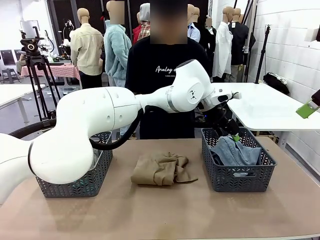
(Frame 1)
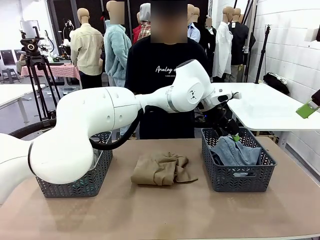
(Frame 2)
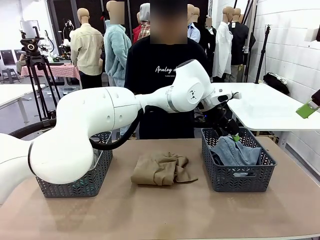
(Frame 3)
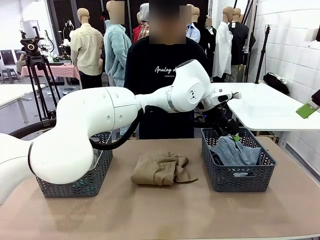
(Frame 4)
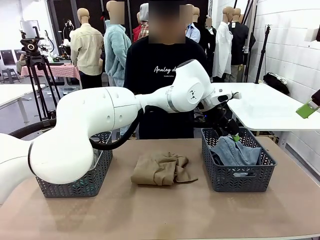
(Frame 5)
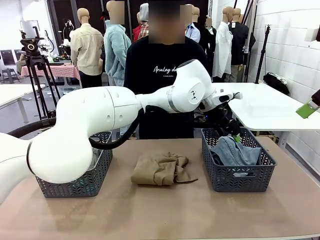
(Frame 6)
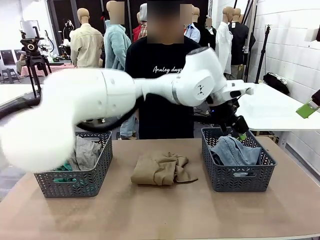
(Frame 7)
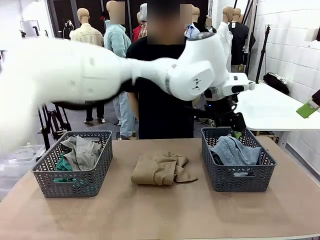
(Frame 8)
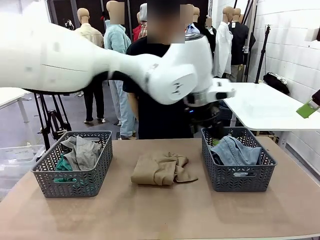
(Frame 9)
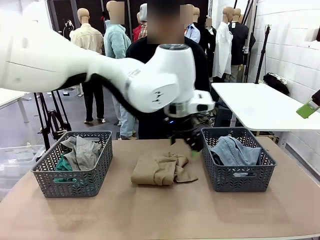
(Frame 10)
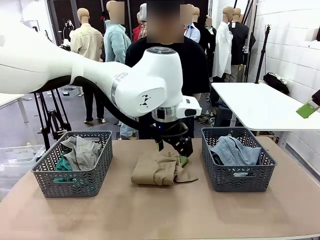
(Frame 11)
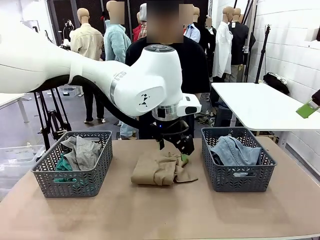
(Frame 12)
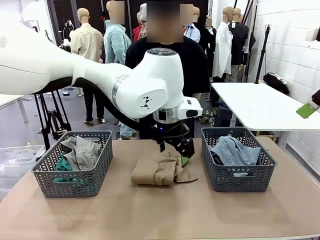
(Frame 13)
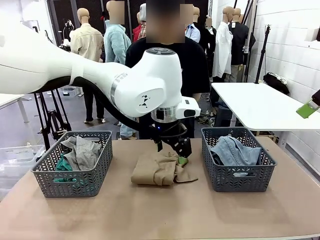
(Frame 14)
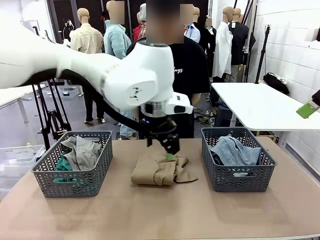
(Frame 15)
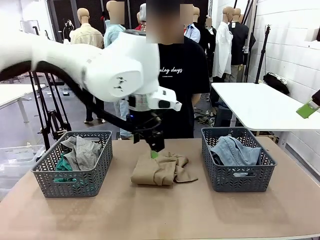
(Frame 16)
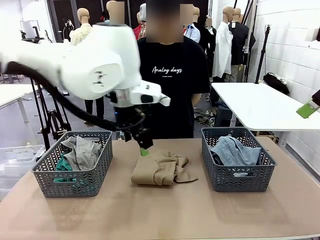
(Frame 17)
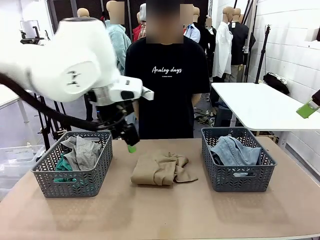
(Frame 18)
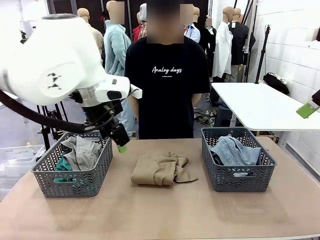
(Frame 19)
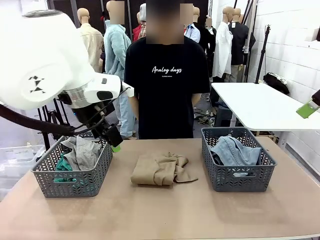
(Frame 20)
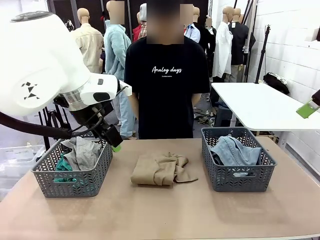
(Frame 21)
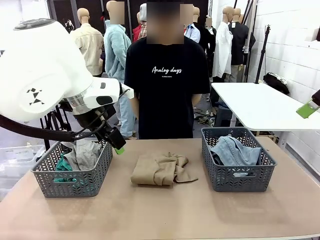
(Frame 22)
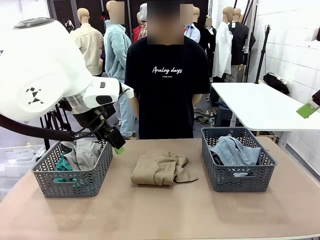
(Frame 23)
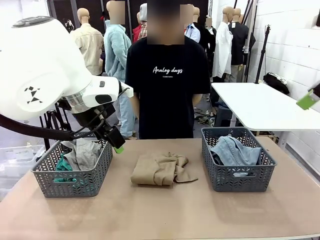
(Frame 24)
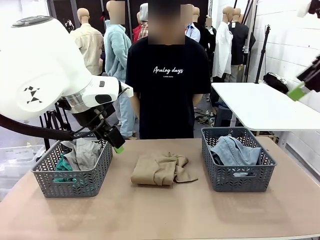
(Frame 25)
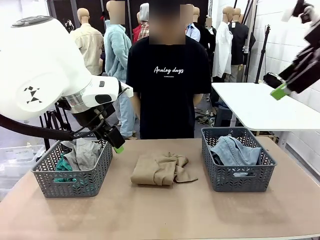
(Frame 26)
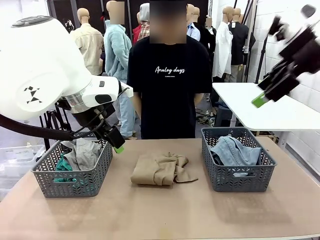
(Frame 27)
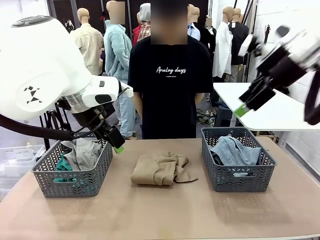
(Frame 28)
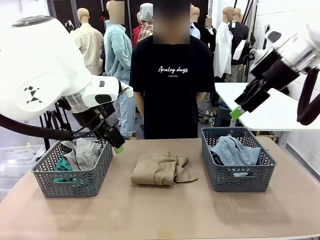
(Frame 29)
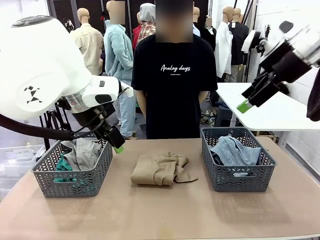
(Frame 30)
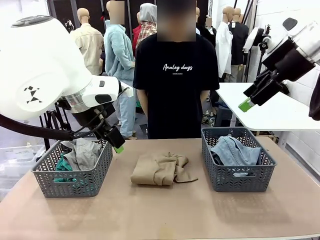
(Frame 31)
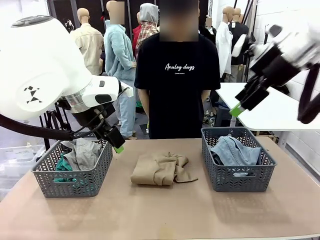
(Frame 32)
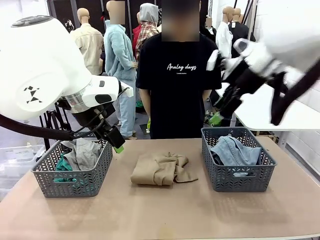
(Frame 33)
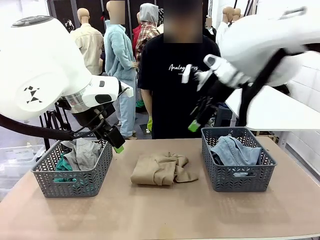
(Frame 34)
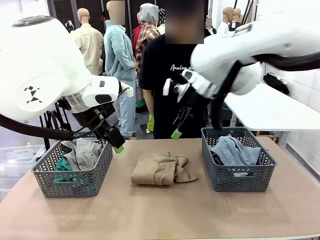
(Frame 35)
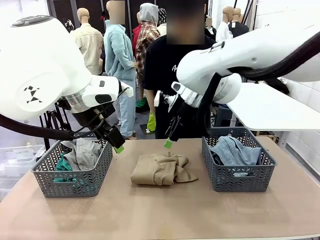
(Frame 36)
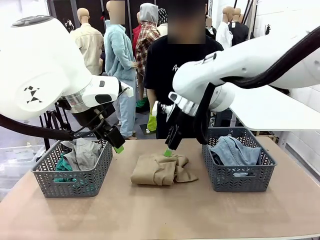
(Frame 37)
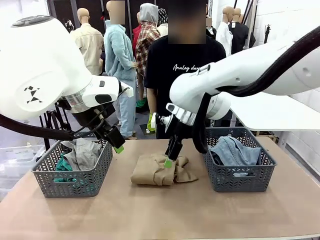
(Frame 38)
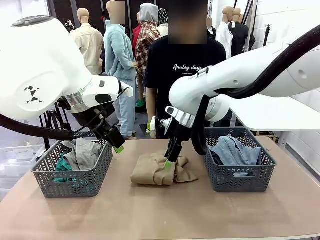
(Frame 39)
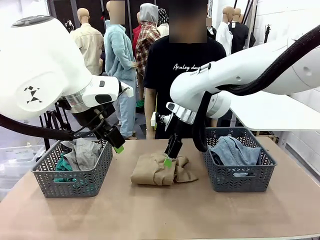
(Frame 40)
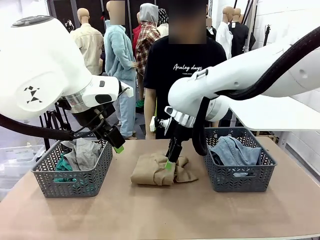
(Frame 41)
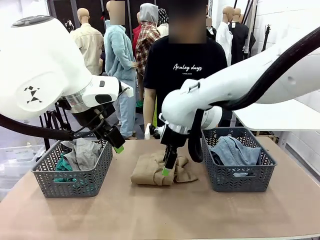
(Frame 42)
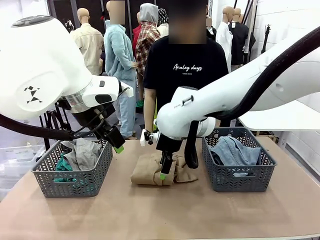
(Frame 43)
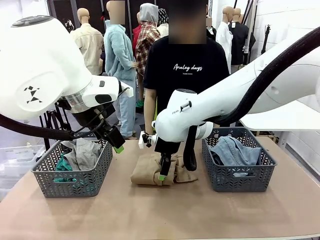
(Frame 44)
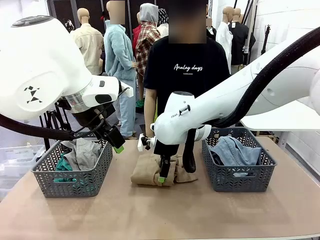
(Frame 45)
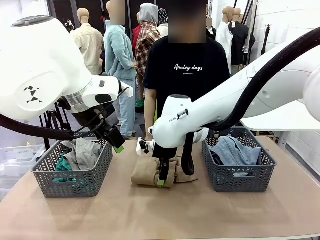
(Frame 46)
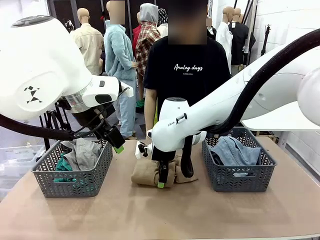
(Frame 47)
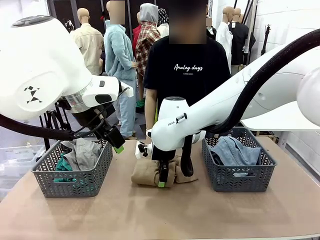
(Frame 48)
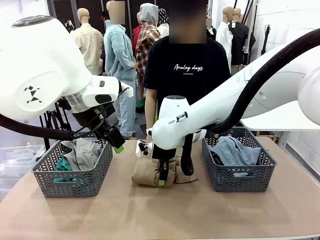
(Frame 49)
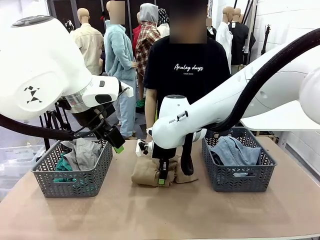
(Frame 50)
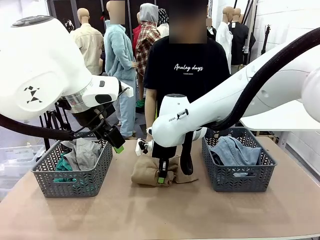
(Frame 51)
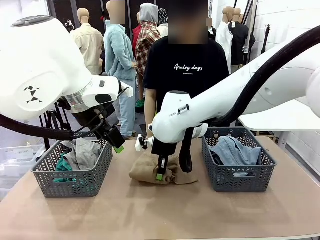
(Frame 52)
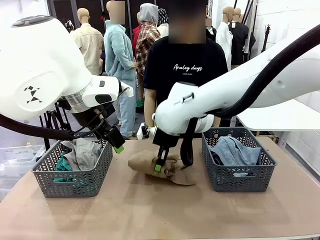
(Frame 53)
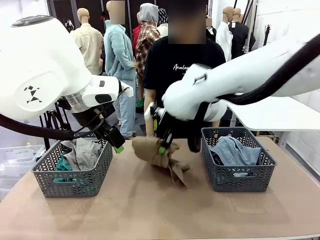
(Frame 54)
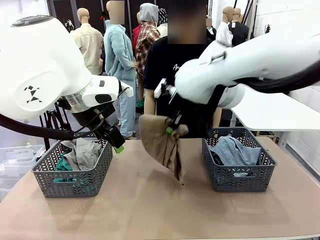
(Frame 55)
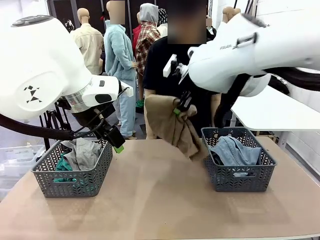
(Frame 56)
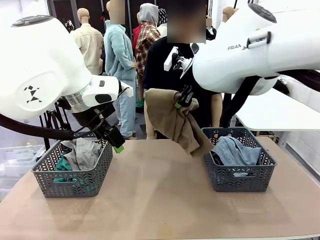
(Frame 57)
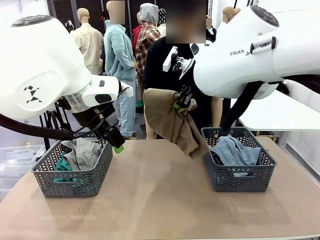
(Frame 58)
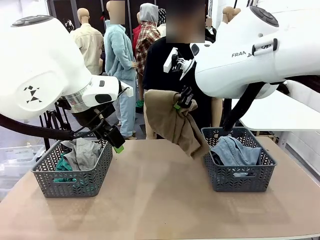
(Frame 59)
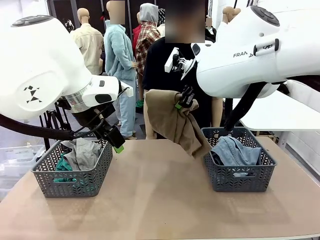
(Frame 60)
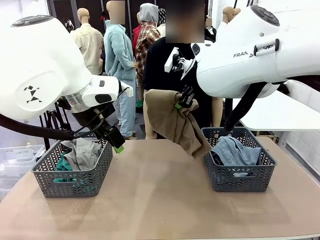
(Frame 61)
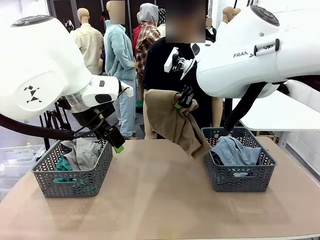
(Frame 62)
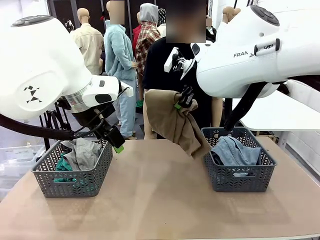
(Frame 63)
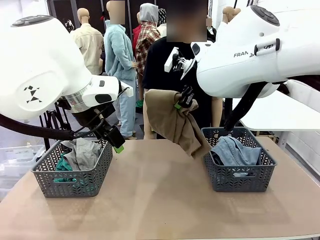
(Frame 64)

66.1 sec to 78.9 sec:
Task: Sort the tops and bottoms.
Robot: Lift clothes from the center of the table with your right hand.
